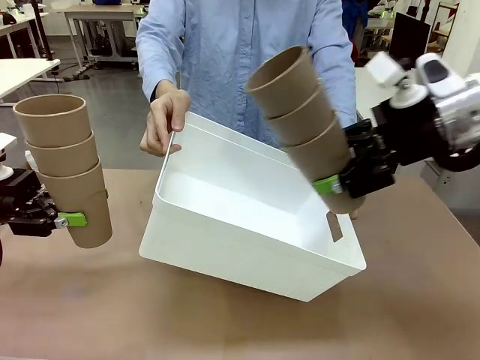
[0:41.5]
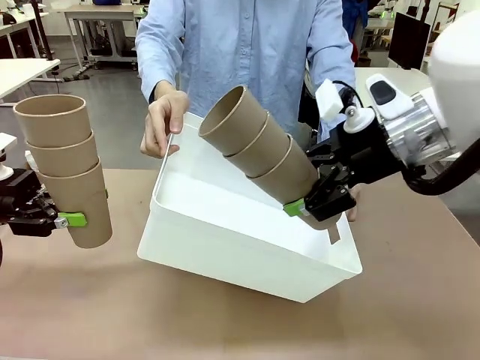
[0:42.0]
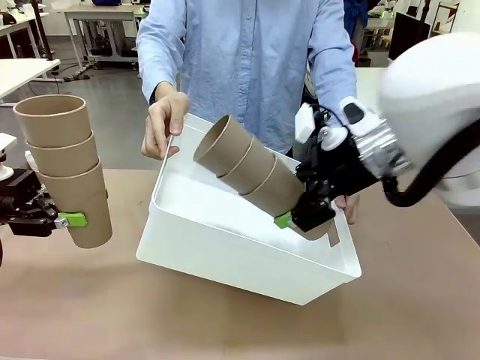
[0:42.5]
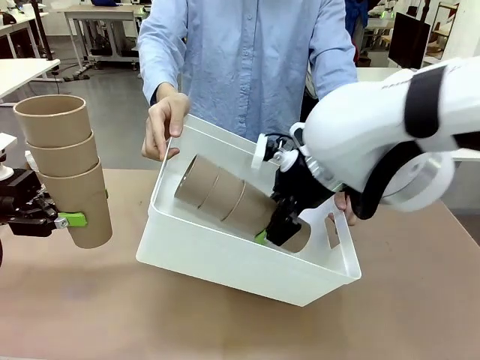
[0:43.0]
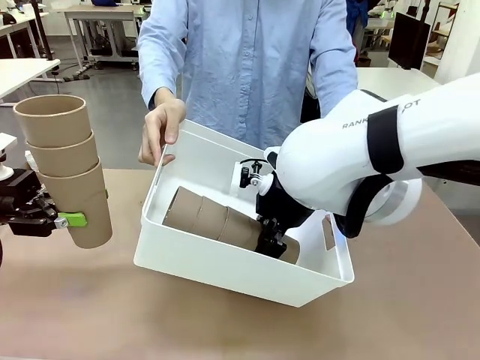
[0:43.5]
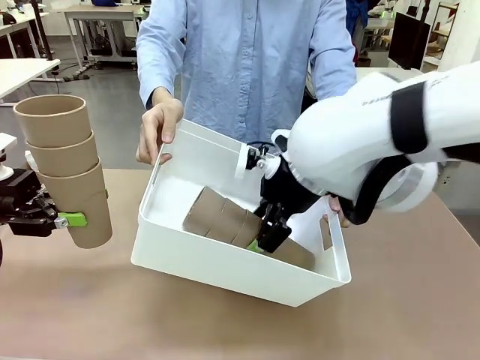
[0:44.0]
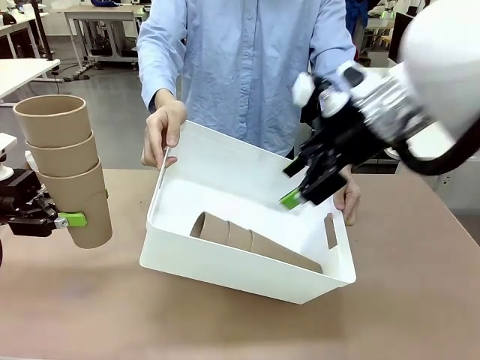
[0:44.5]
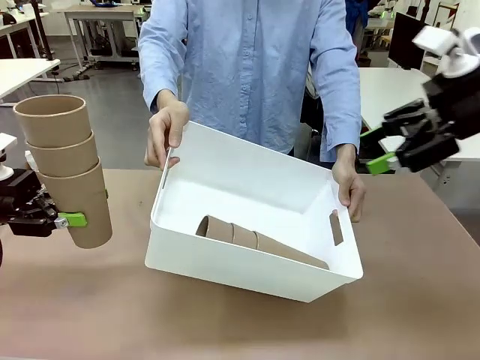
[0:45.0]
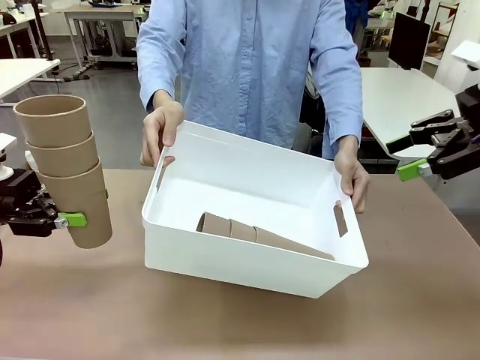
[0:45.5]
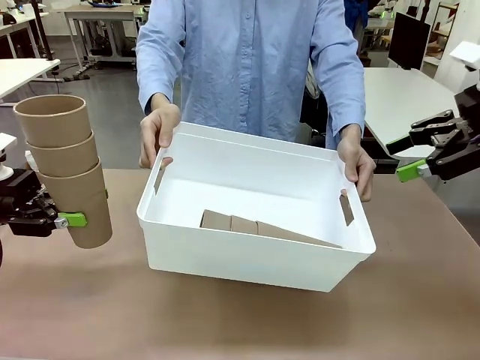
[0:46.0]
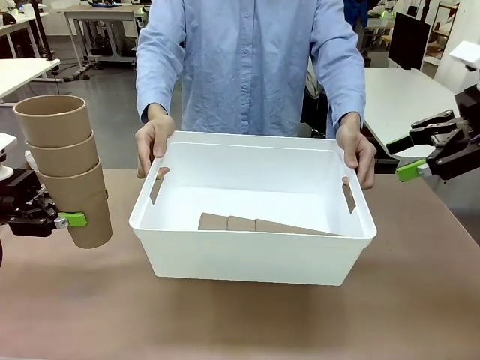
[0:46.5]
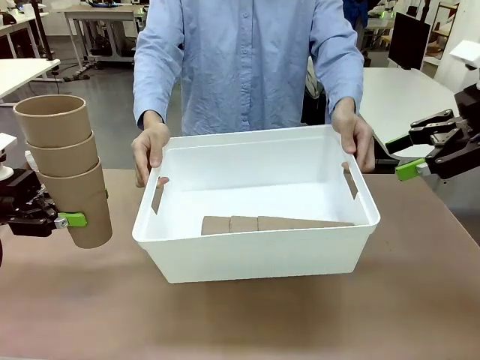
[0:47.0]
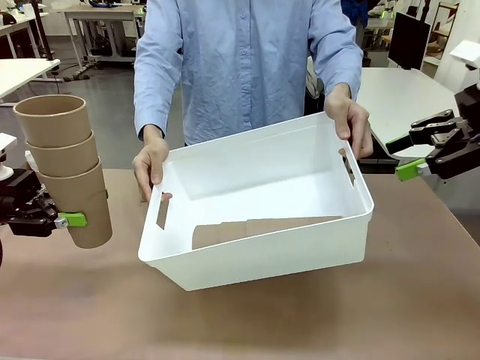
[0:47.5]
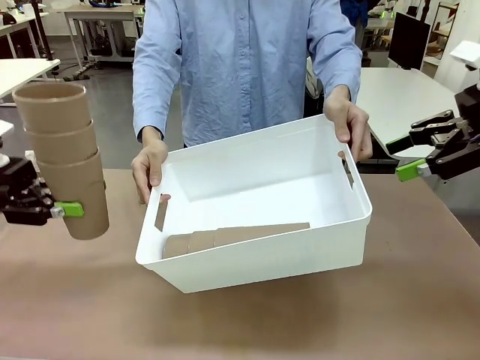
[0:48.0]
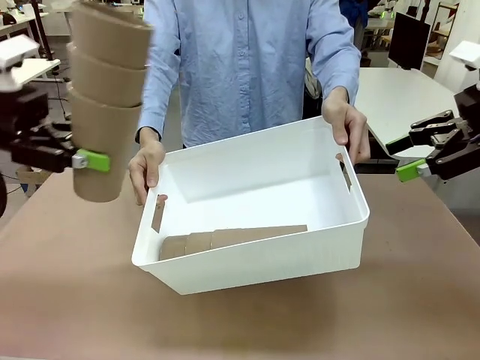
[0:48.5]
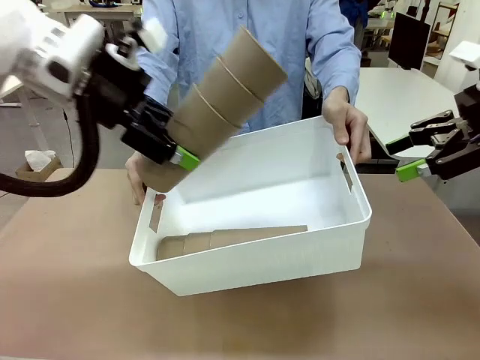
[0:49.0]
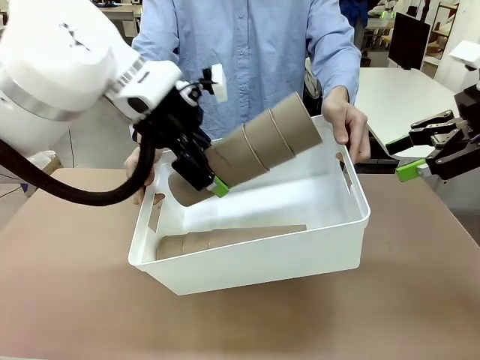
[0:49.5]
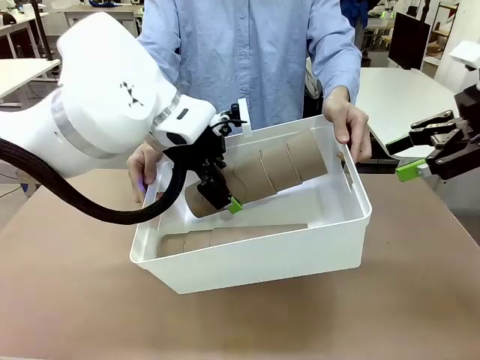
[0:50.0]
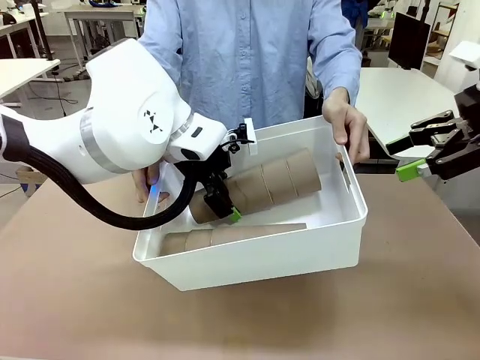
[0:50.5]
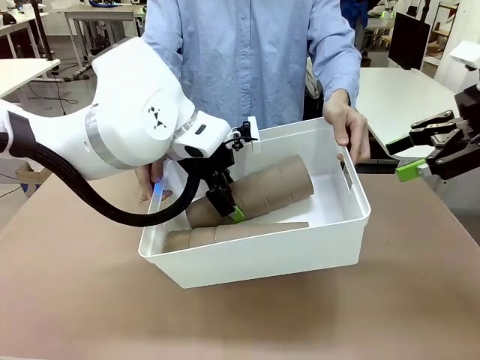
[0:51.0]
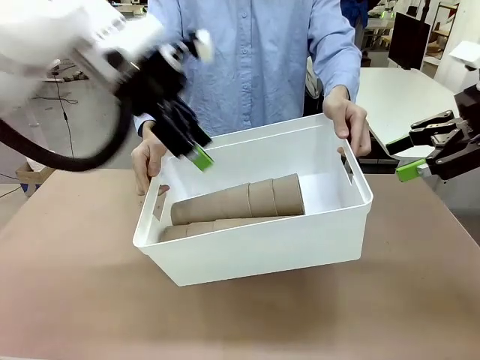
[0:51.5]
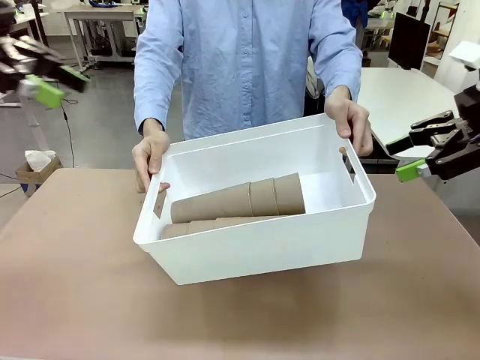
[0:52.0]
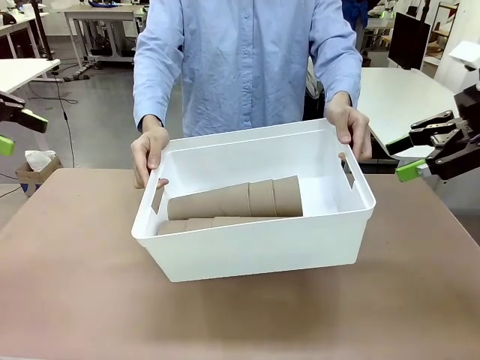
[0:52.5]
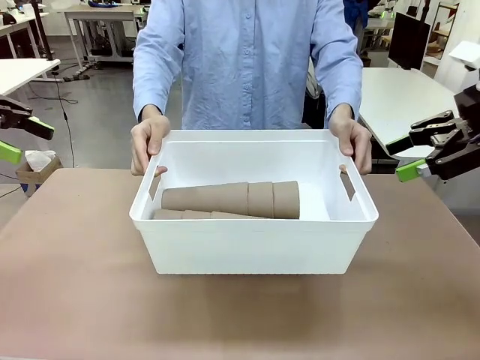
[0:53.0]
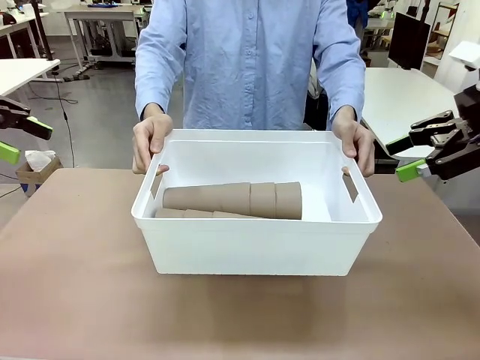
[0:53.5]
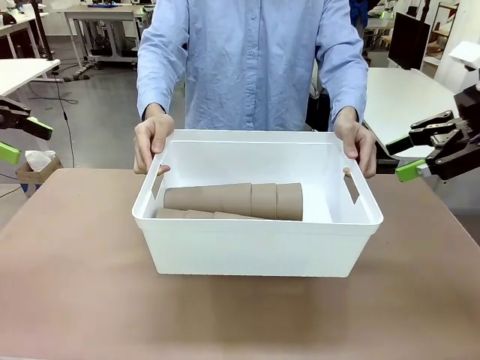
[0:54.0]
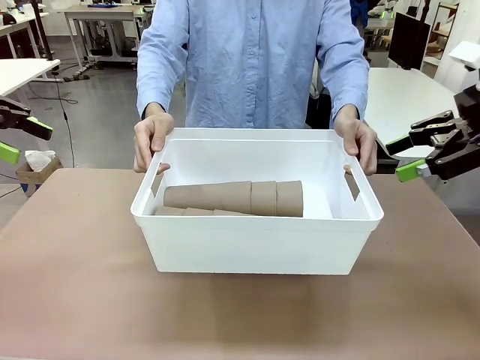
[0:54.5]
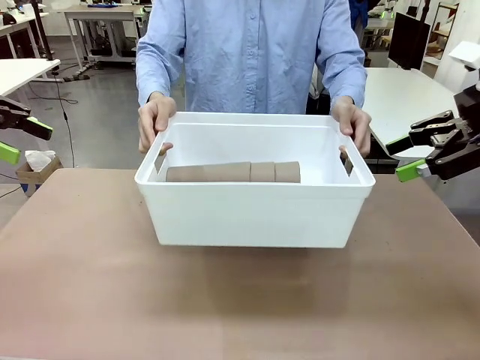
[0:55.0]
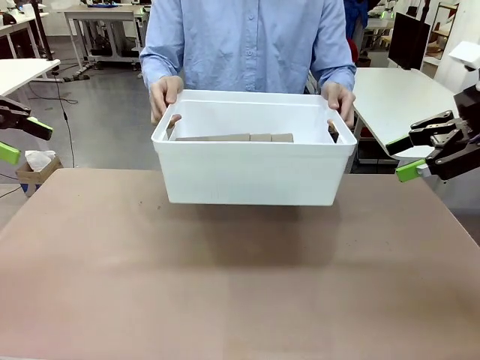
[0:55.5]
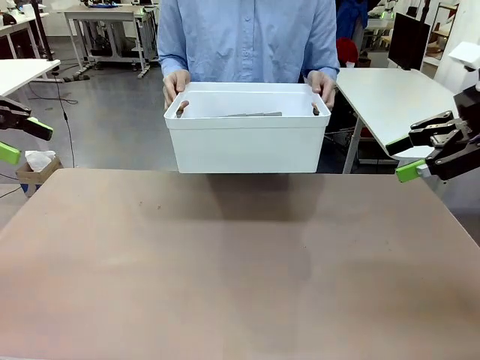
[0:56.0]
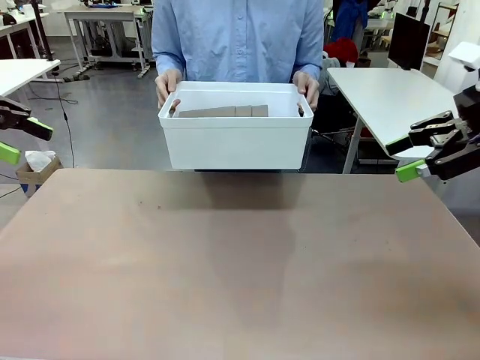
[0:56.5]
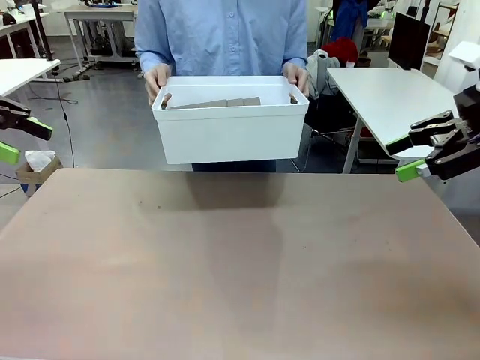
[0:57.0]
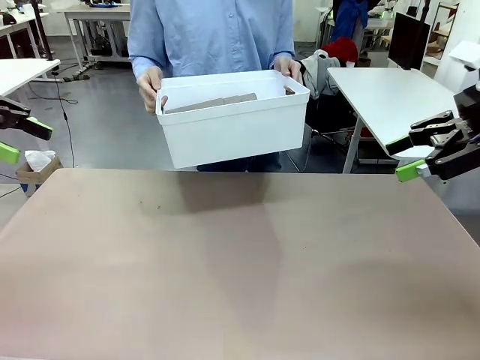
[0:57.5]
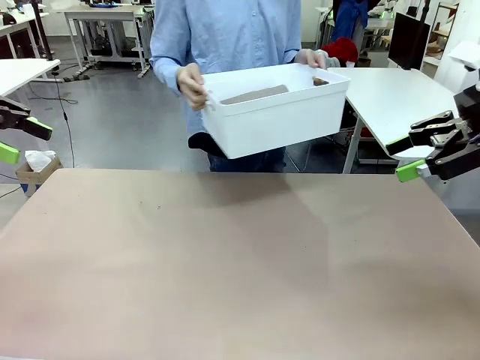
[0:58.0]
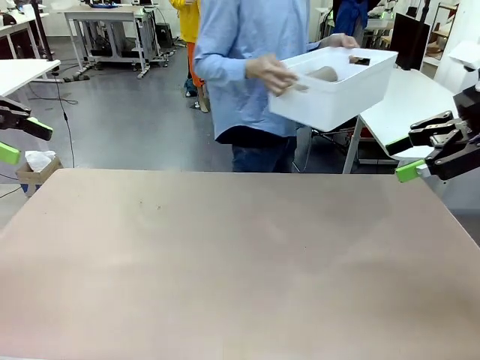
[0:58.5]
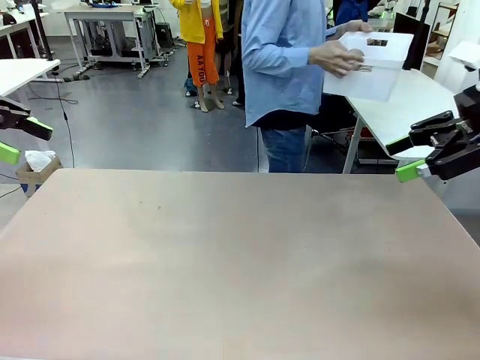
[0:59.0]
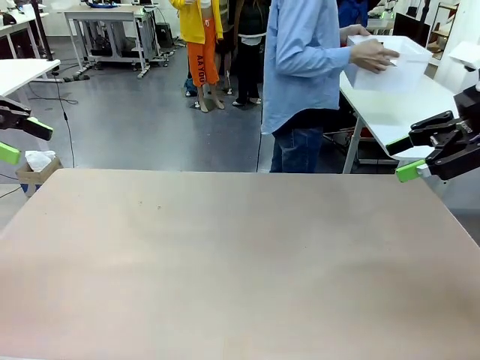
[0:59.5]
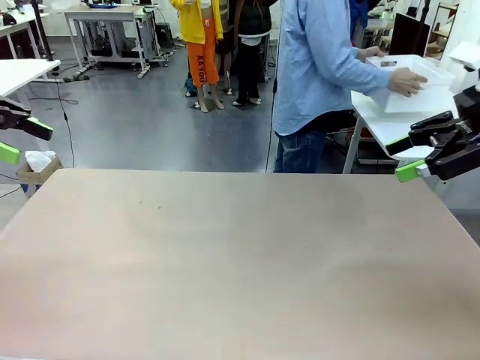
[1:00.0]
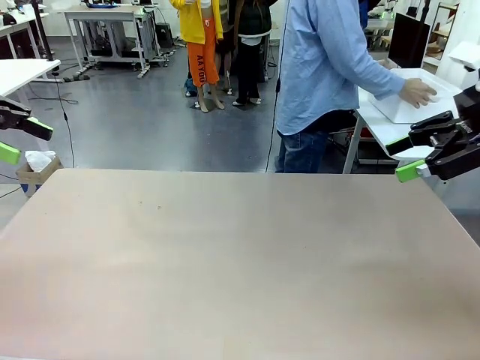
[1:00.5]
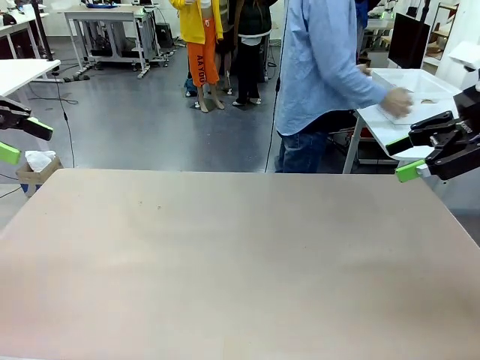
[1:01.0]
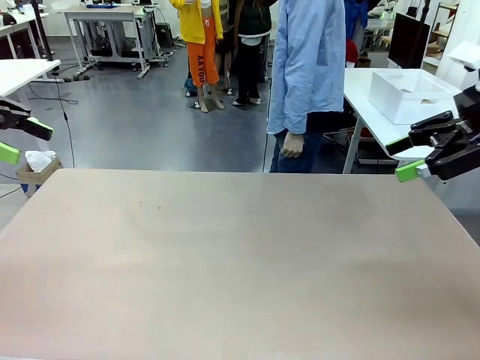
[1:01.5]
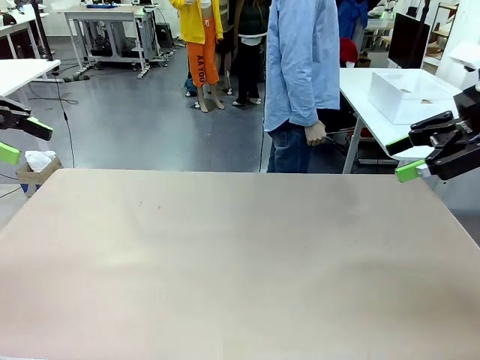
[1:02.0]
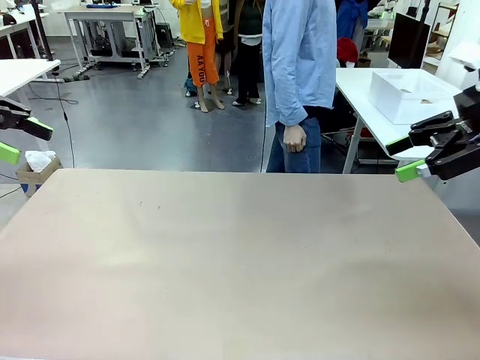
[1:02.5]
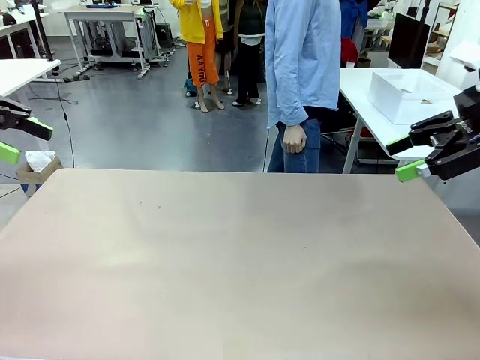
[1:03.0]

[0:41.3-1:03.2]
Task: Stack the cups and store them in the basket.
Robot: Place the stack of Reusable plastic cups into the Pantry Basket.
Person: Place the basket containing the cups in the middle of the Human Table.

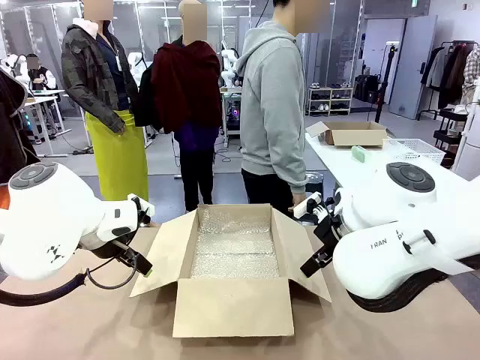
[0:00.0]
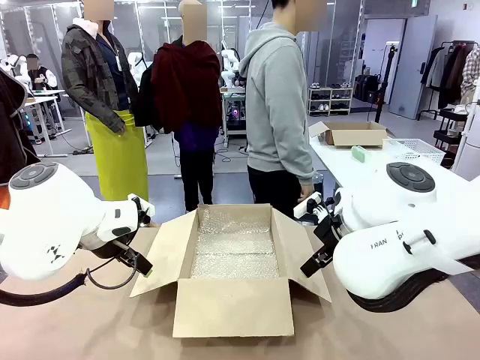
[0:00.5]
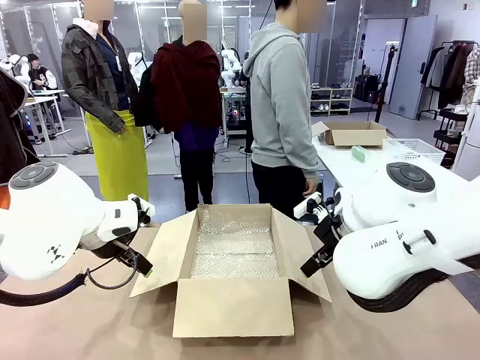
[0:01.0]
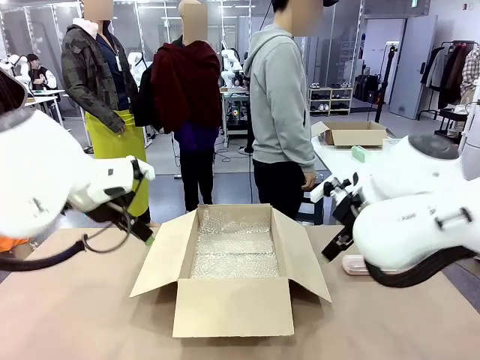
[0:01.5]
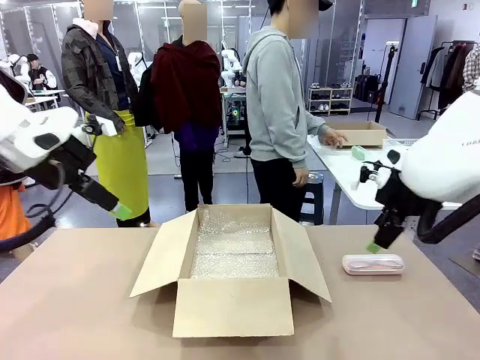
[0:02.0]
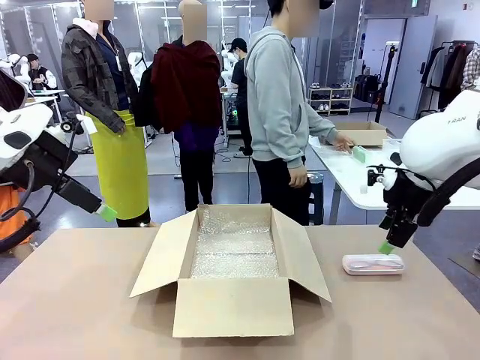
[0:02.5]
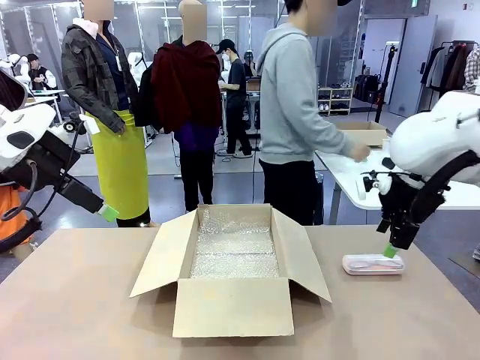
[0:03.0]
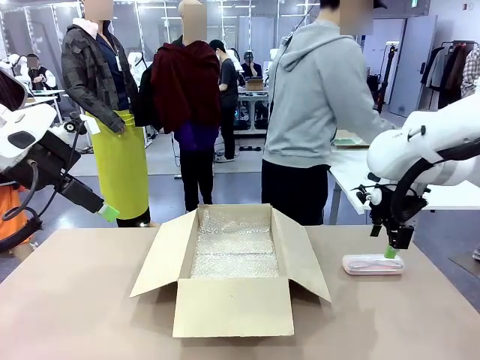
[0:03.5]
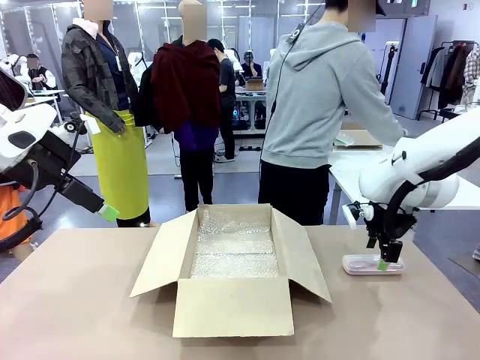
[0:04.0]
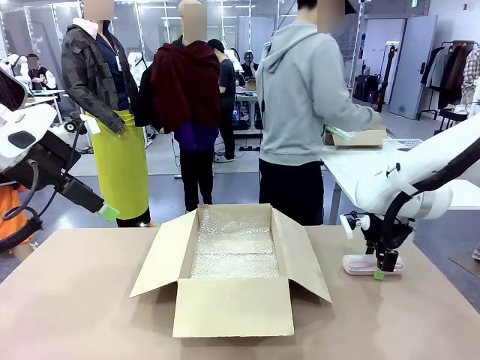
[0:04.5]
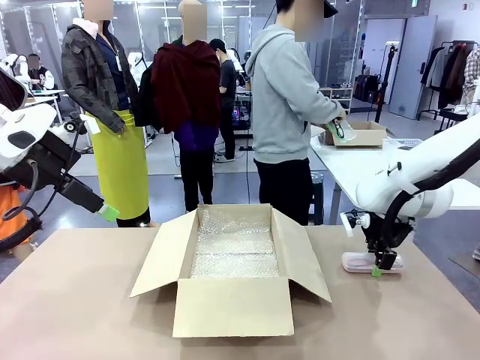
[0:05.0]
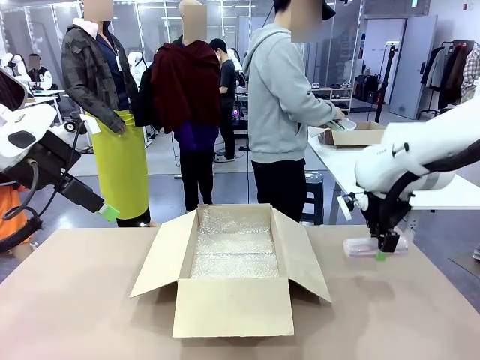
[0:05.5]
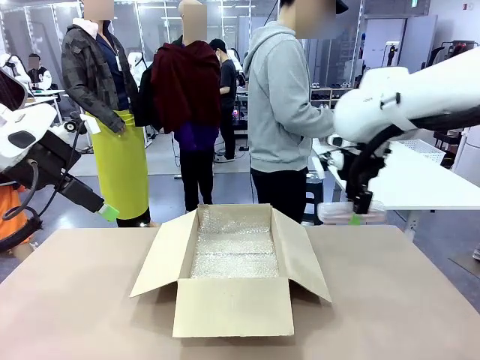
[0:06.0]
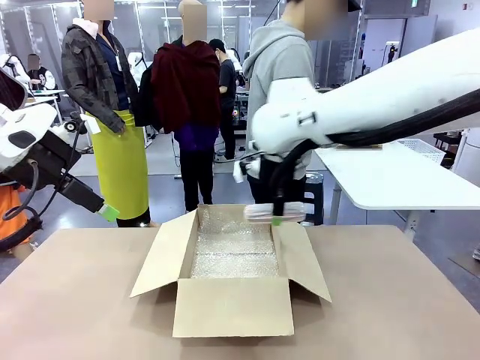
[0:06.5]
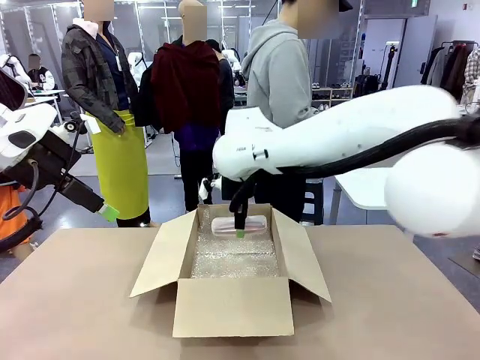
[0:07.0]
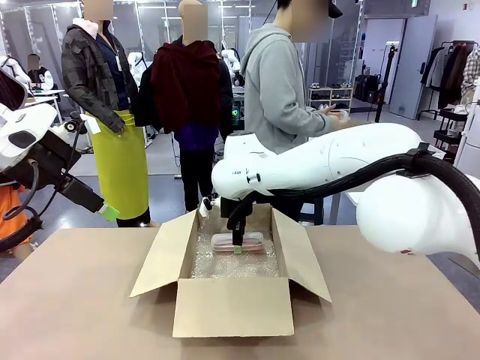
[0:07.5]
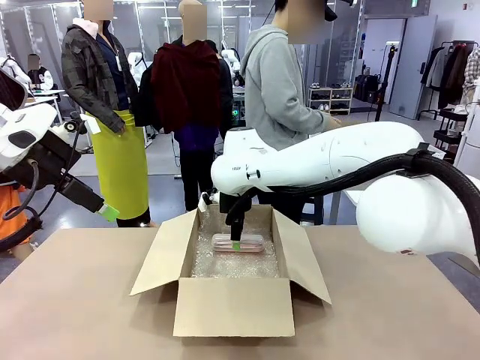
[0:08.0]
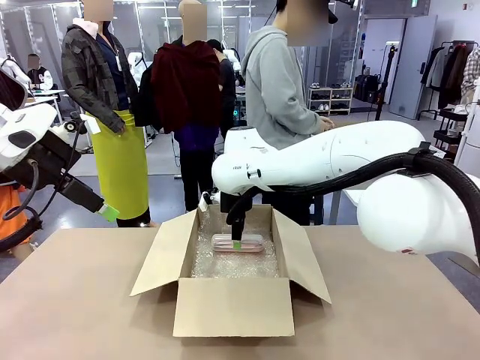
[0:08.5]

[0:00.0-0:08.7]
Task: Pack the glasses set securely to prepare it for shipping.
Robot: Place the Glasses case inside the Package Box.
Person: Place the Glasses inside the Glasses case.
